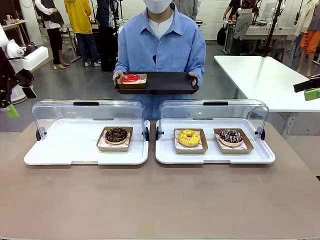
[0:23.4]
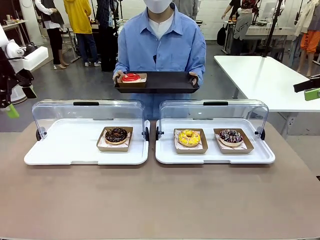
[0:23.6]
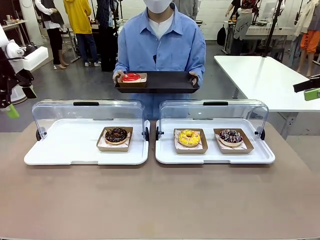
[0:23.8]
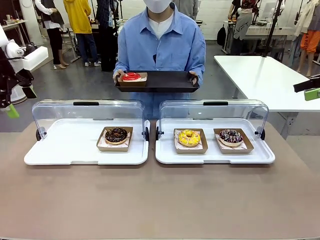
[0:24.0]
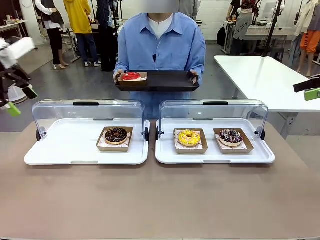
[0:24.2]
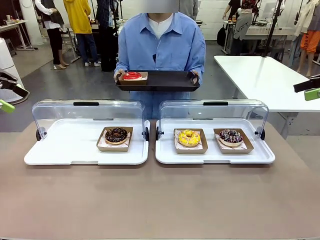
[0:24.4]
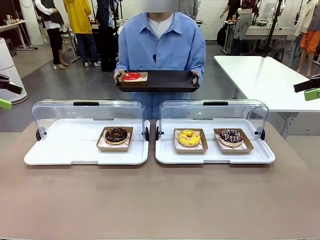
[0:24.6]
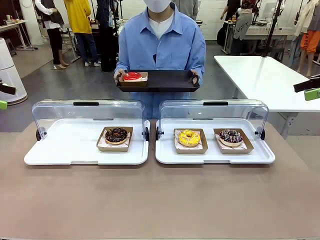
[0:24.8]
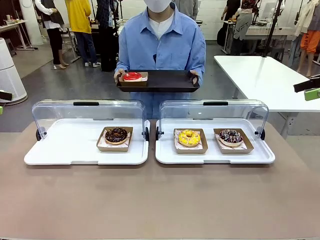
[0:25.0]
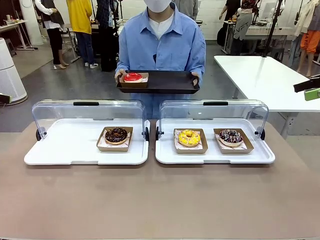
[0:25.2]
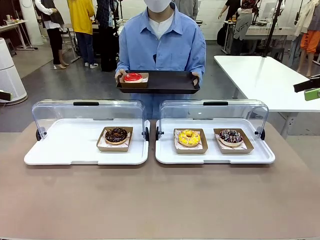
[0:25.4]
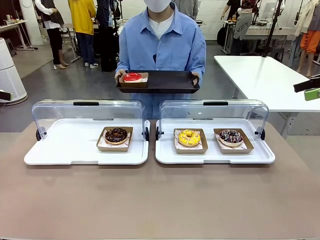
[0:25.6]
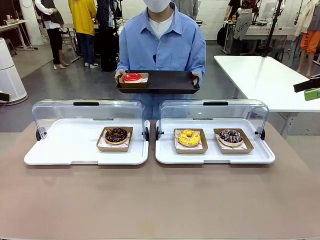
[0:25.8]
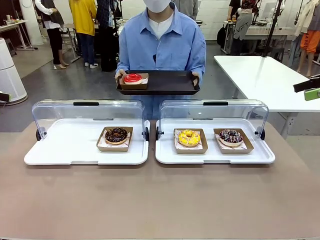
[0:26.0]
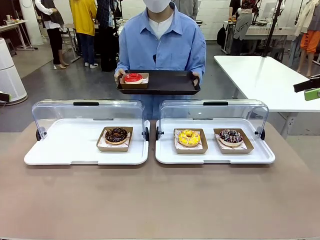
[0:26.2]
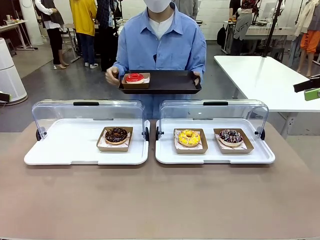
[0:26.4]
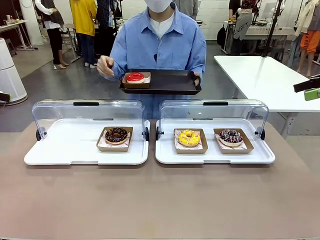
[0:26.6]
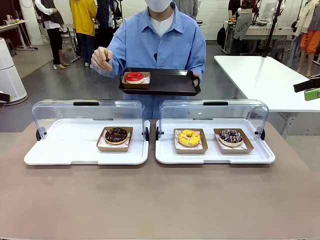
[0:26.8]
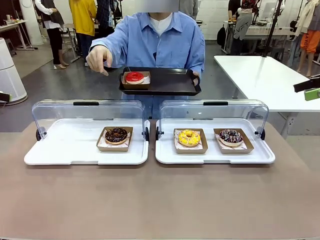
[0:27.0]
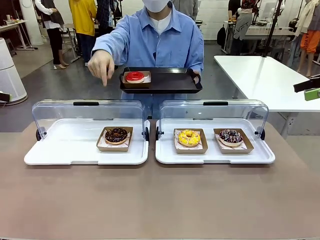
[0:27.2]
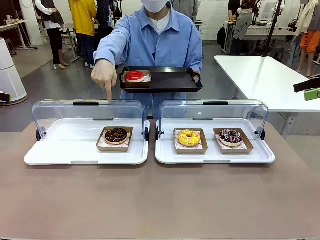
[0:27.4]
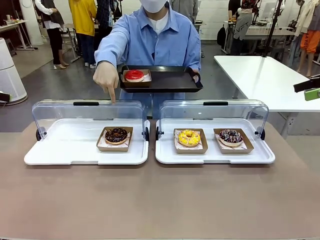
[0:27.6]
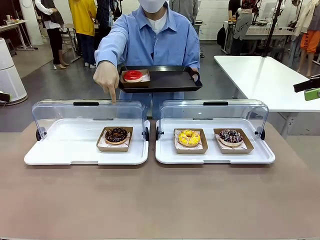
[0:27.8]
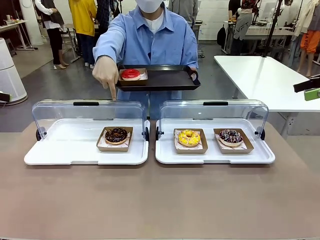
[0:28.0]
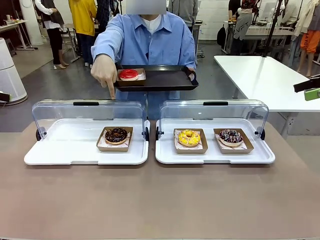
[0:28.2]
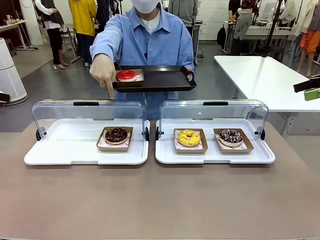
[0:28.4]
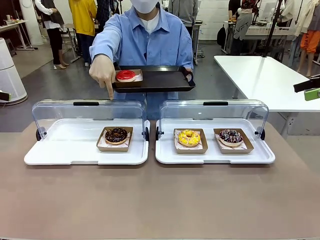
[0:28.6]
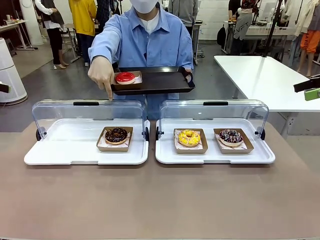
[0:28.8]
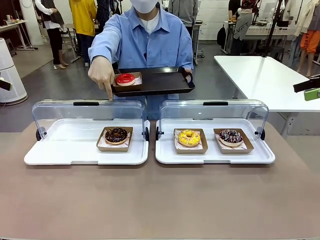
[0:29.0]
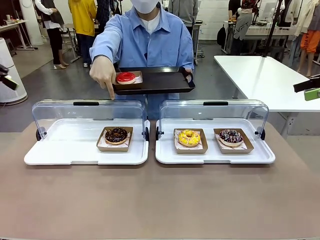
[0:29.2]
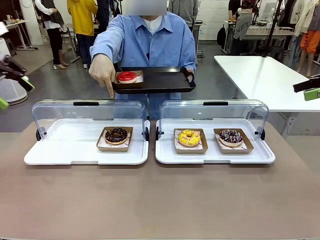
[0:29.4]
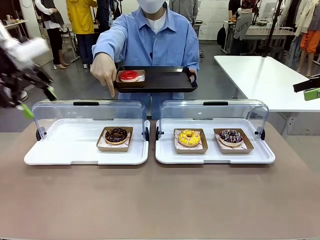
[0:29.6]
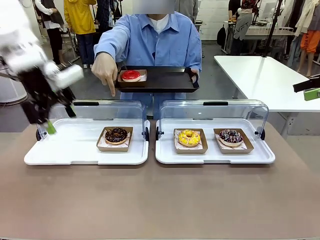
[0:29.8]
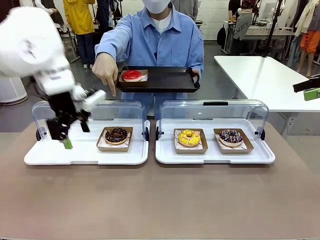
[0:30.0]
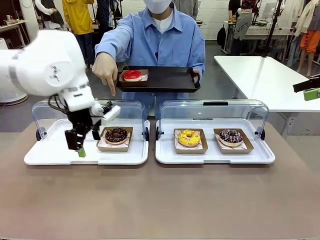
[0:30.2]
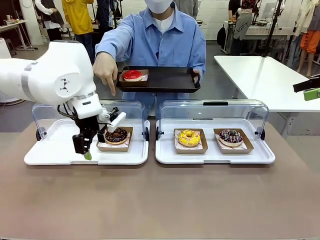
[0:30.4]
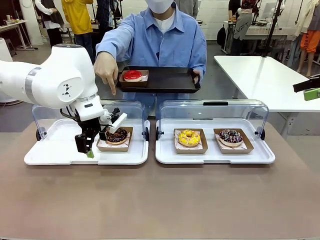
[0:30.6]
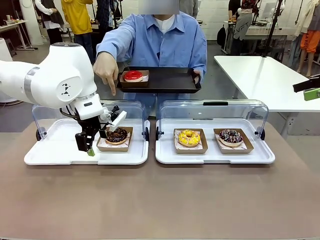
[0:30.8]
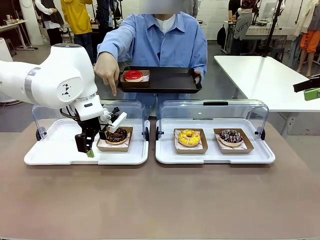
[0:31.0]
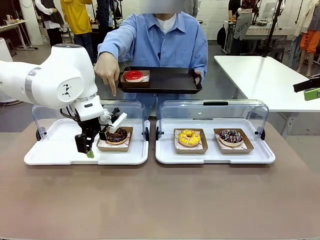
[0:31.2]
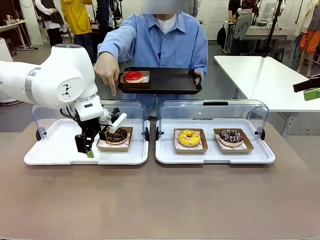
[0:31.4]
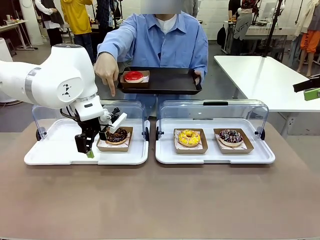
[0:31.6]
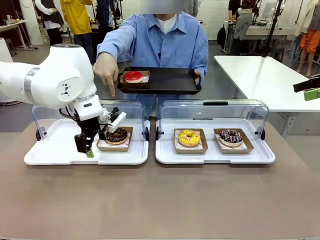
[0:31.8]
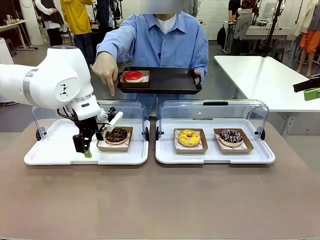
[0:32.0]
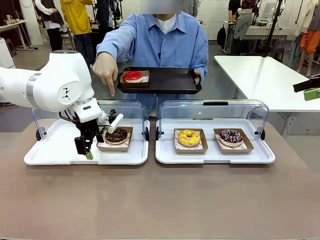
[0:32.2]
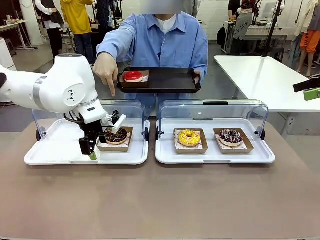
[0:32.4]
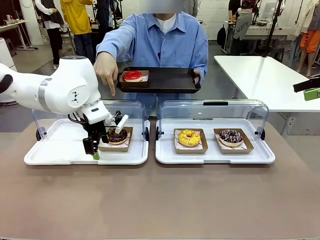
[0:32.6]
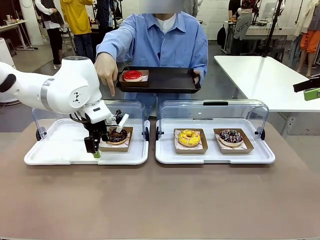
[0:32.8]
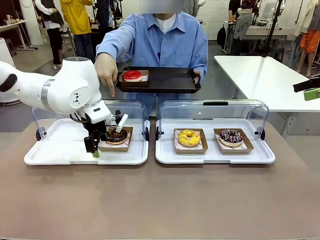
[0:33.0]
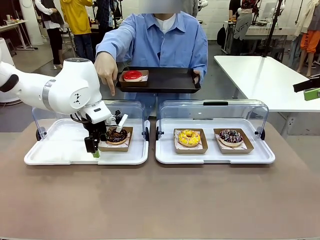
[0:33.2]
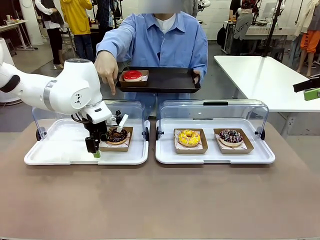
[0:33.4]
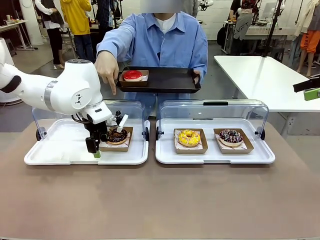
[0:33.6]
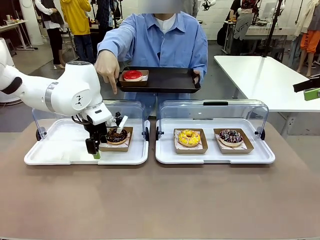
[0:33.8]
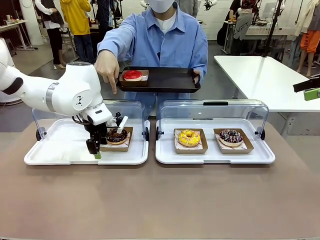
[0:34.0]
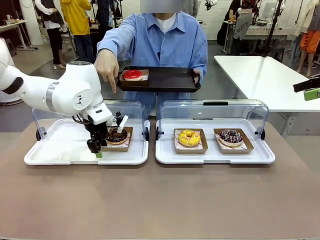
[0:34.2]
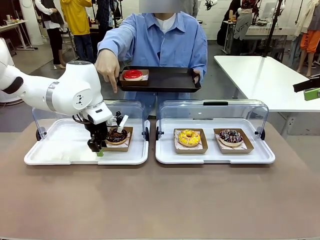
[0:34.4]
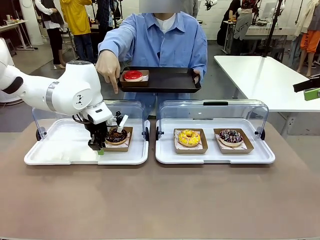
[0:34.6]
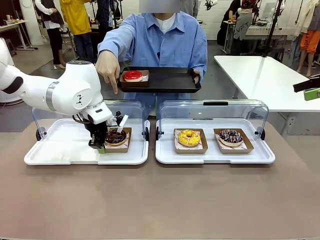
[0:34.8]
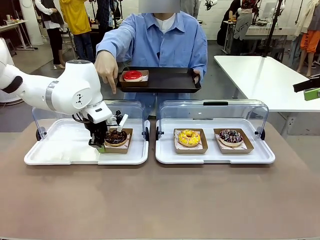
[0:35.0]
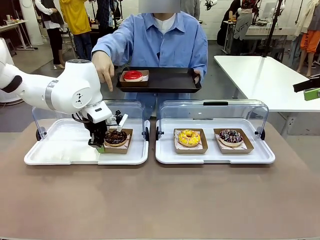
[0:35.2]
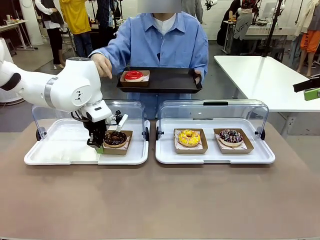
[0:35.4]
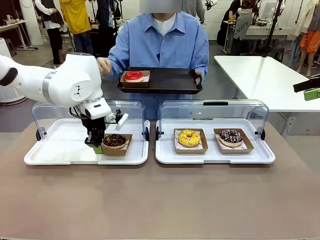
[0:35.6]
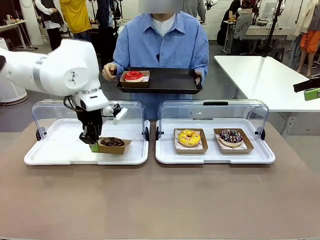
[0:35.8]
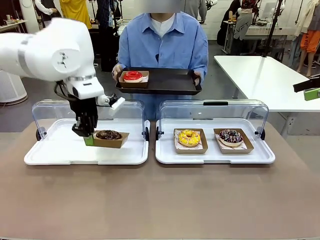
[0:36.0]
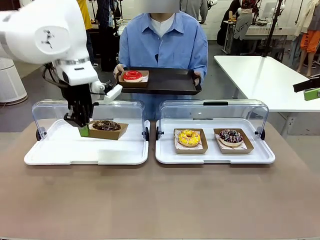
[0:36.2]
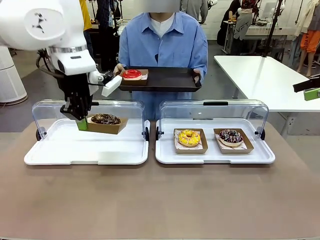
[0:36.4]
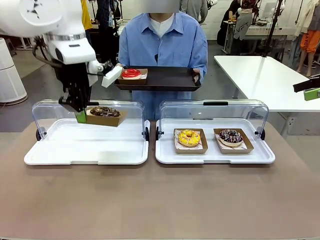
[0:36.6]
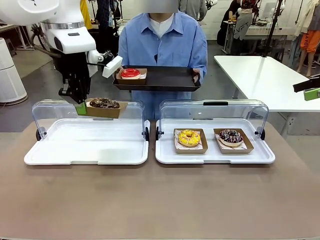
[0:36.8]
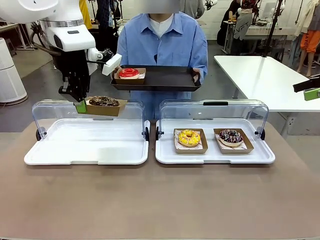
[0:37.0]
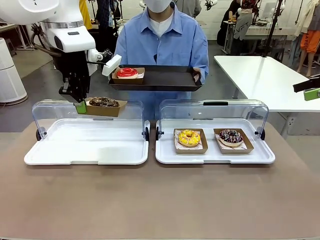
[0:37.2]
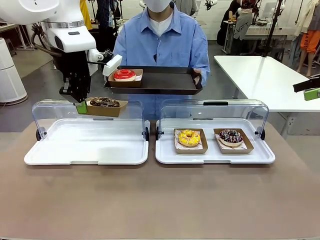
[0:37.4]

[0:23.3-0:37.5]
Task: Provide the desired donut to the person.
Robot: Pick up and lift the Paper togo box containing the Donut pointed at by the person.
Person: Point to one donut. Lift the tray onto the Roll-Top Bakery Case.
